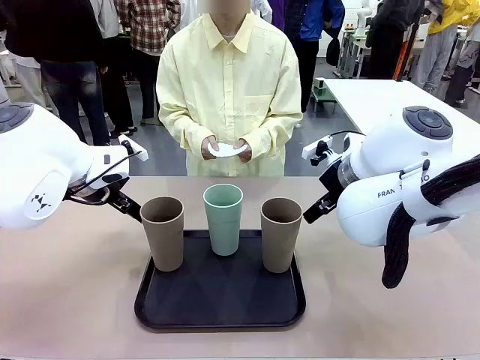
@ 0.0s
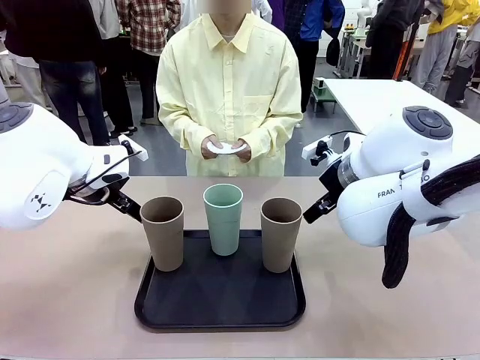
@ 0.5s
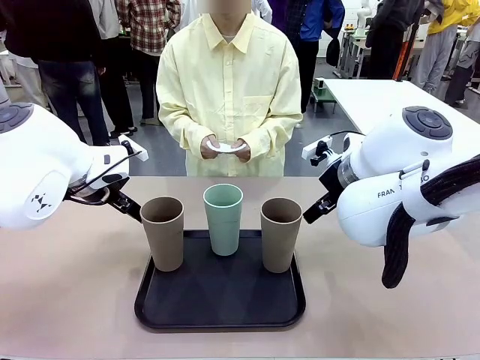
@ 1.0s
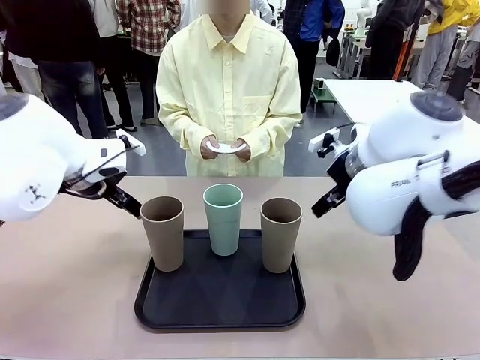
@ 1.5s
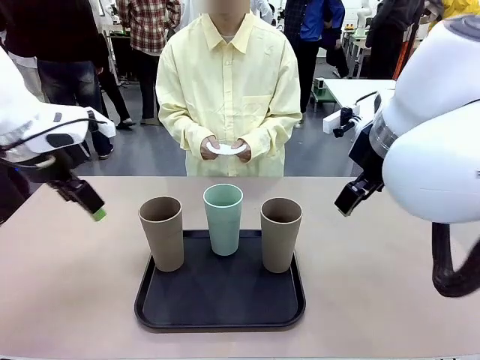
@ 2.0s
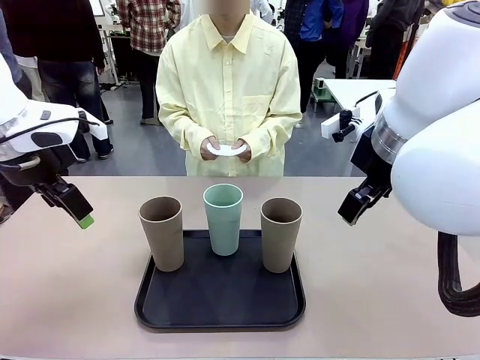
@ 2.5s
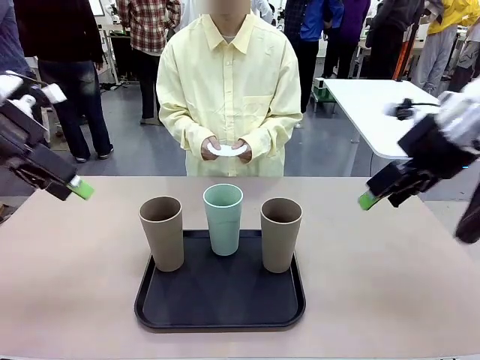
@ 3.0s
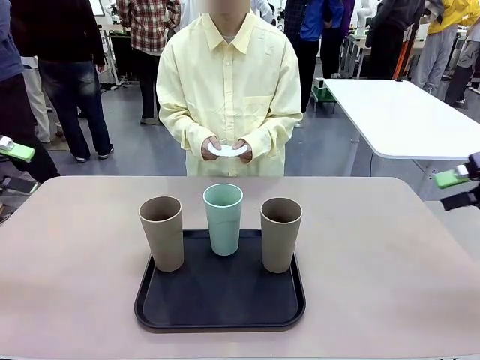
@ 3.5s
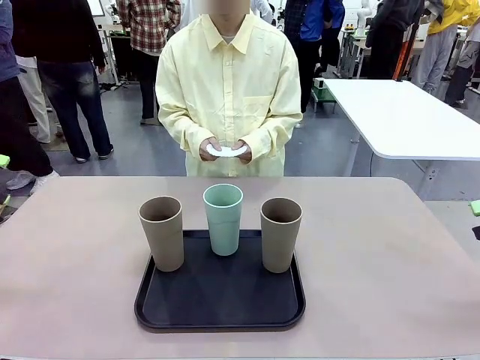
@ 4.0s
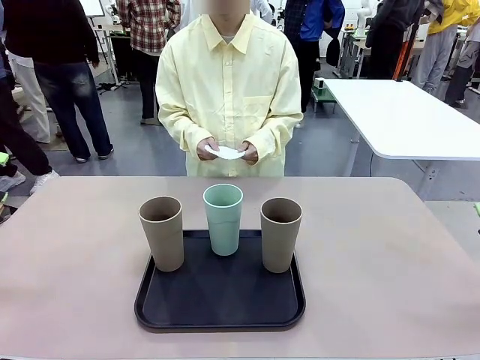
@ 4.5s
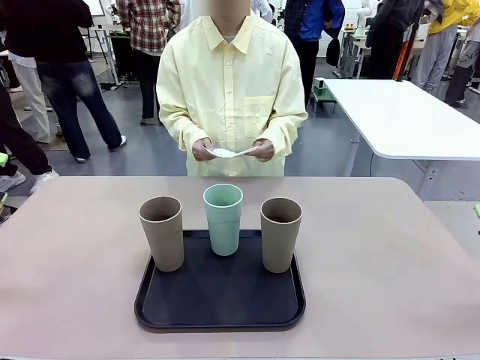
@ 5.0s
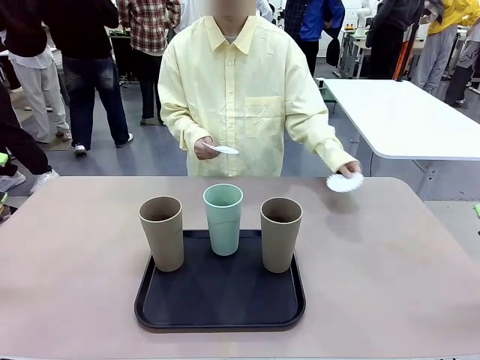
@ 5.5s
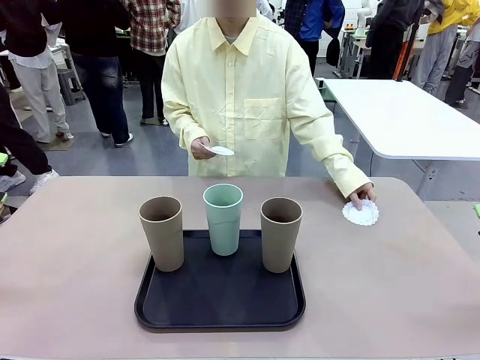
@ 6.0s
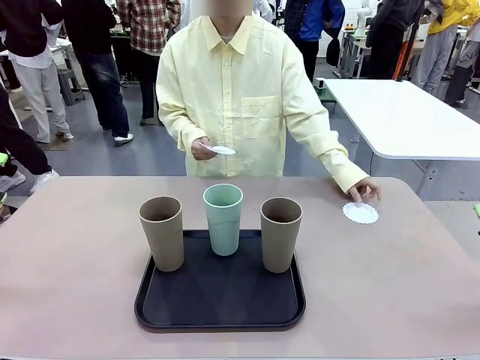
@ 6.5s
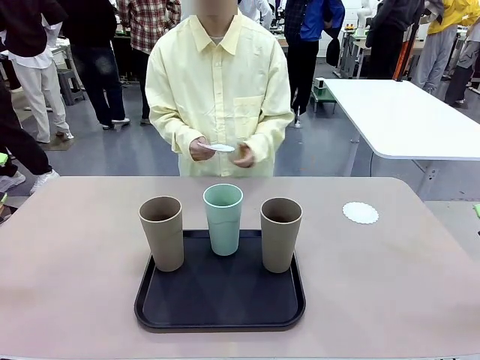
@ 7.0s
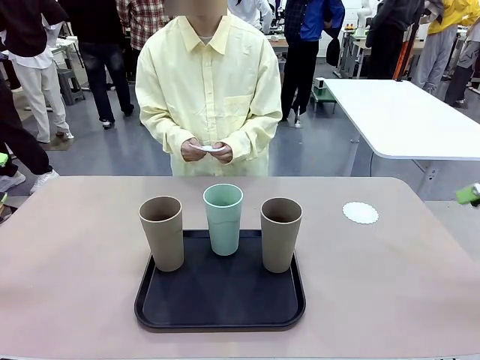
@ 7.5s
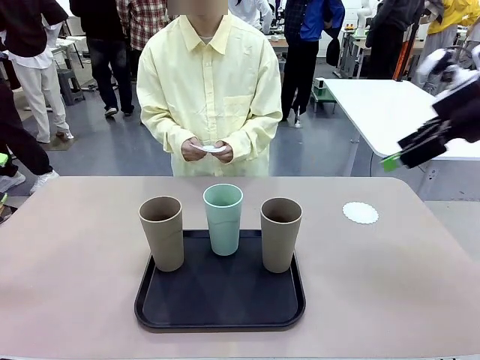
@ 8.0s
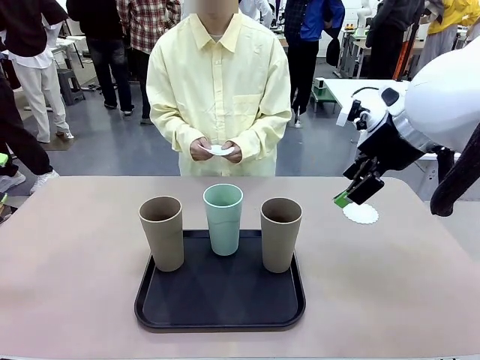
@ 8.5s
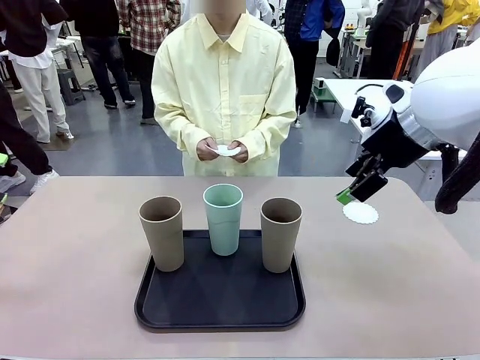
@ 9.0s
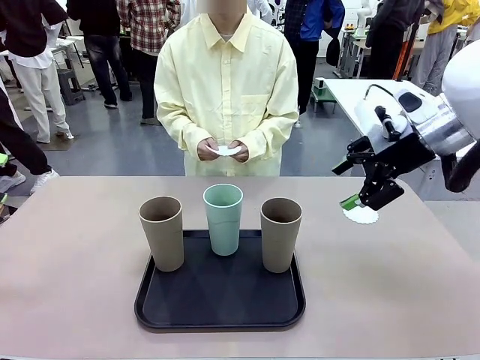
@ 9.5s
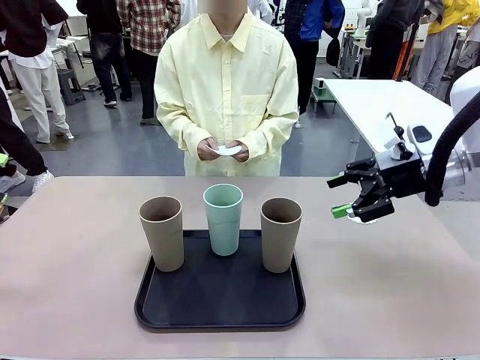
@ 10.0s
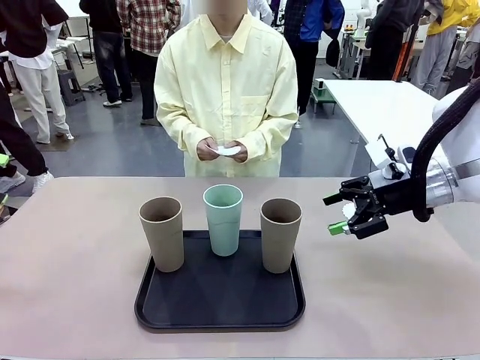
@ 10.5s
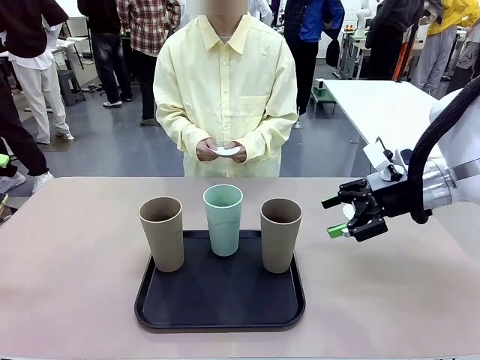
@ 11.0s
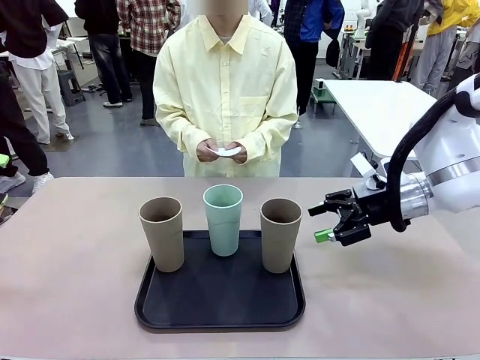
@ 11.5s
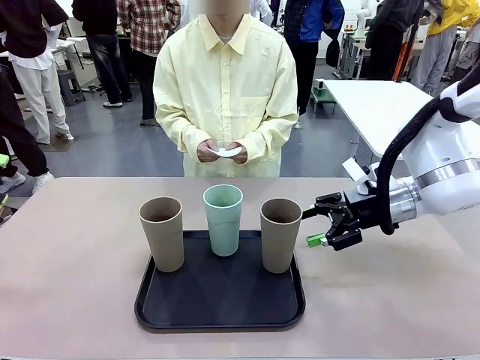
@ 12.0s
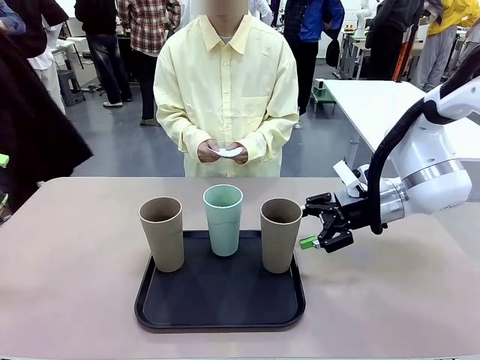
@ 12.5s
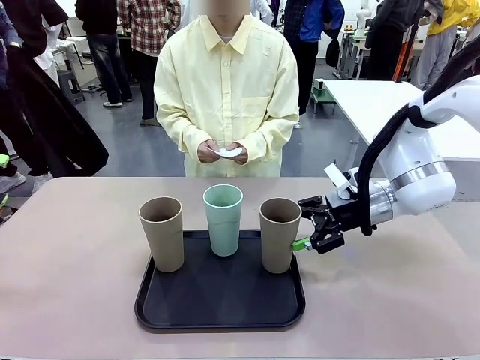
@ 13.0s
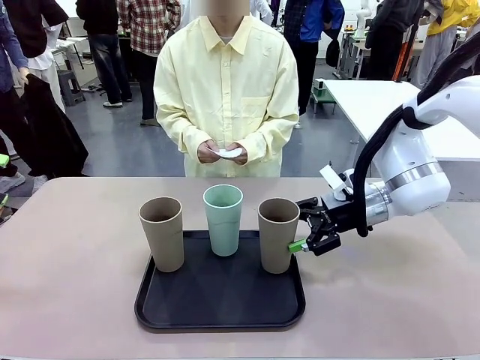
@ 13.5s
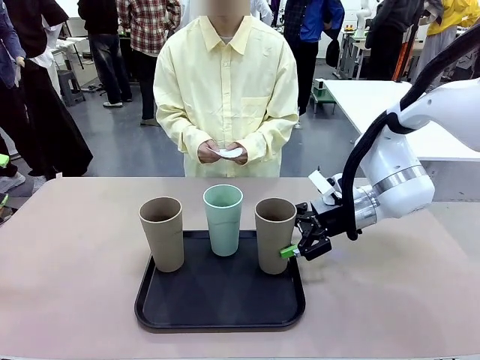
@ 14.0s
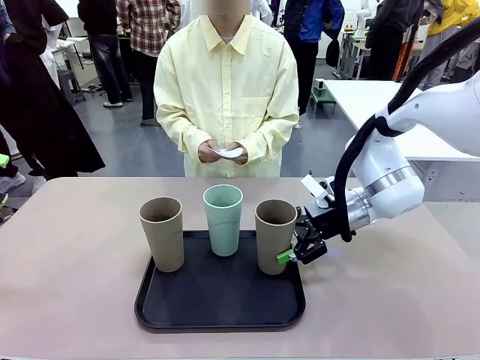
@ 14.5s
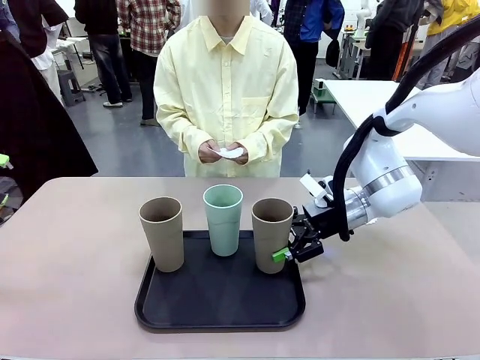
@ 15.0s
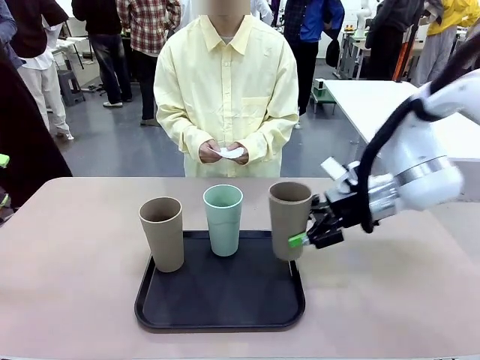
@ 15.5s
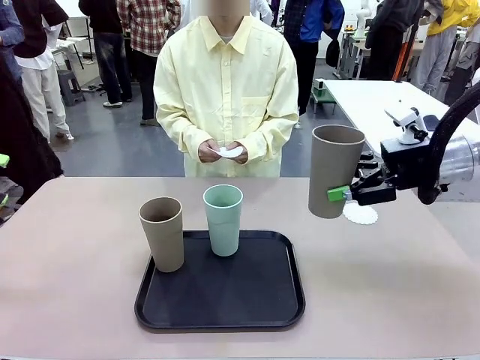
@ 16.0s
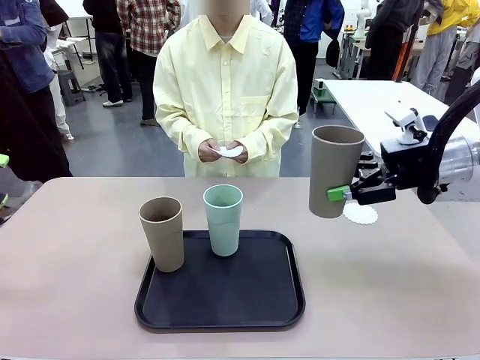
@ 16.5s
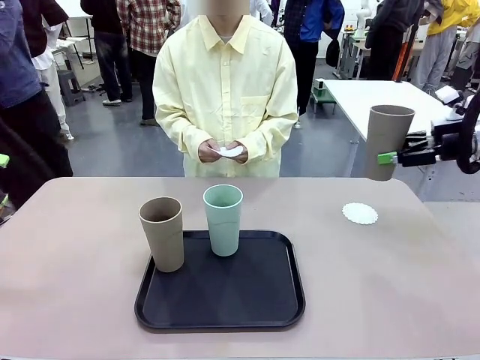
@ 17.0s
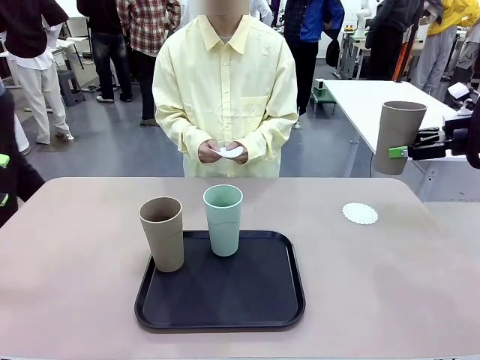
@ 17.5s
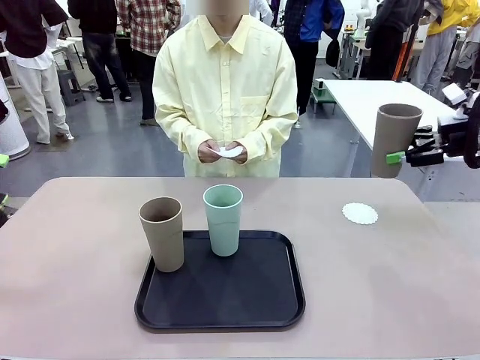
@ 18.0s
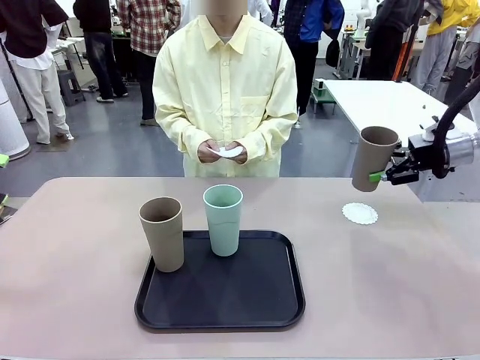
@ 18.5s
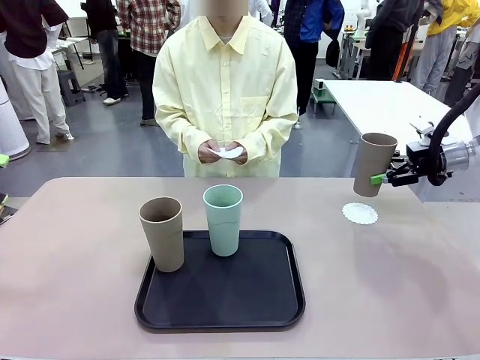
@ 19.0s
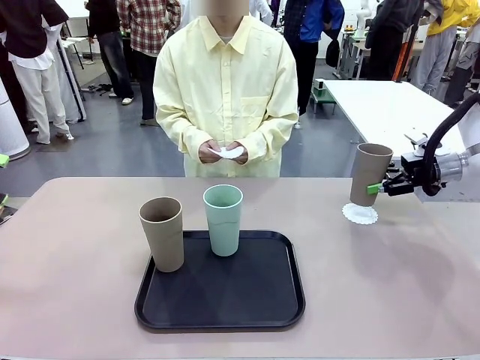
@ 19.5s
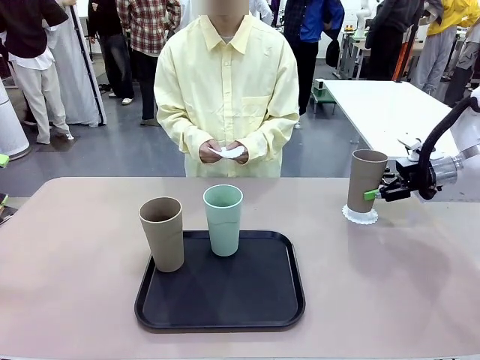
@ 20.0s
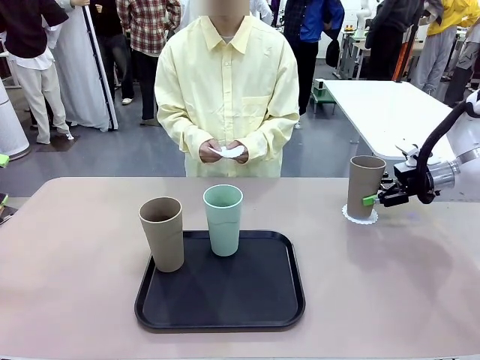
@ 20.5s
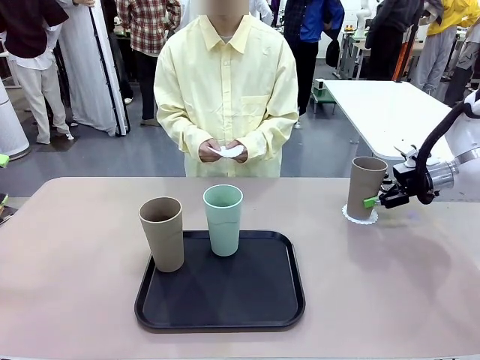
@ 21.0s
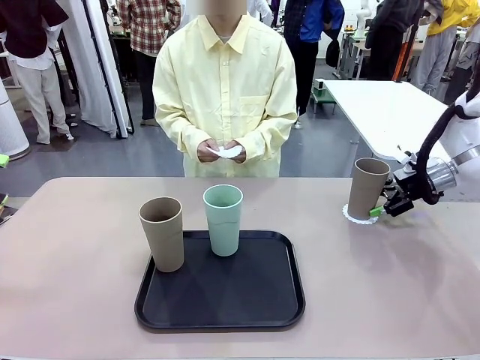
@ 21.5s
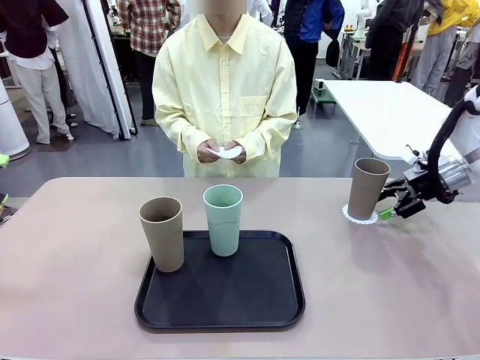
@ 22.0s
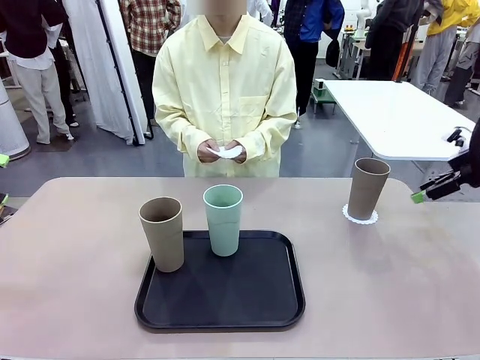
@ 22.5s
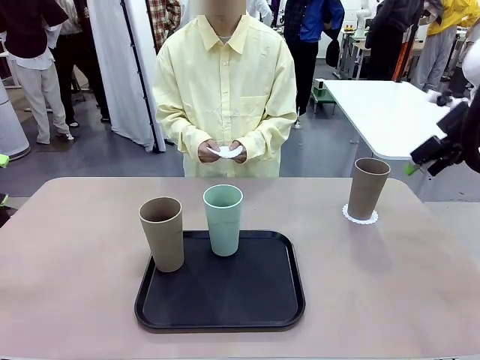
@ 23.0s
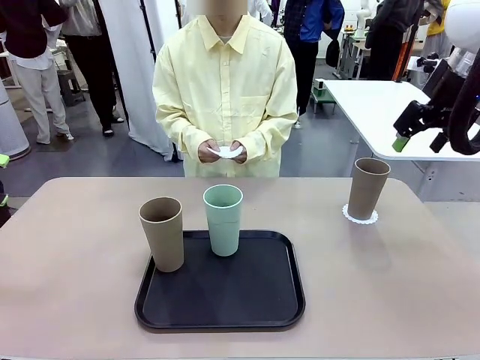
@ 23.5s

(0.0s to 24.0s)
Task: Place coasters on the table and set cups on them.
Robot: Pick up one Reusable plastic cup and place it on a coaster set by the human.
Person: Place one coaster in any one of the three lower areas of the robot table (left, center, or right). Place one coaster in one of the two areas excluding the previously selected area.
